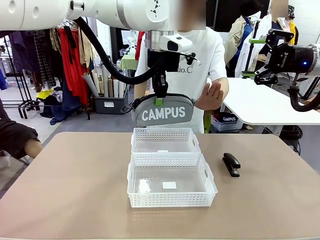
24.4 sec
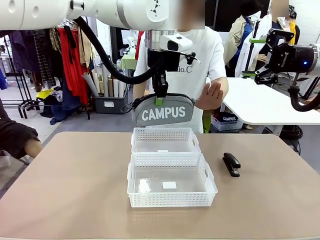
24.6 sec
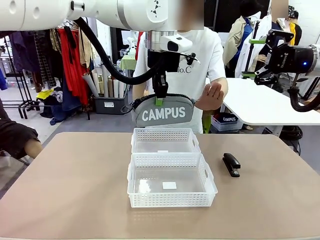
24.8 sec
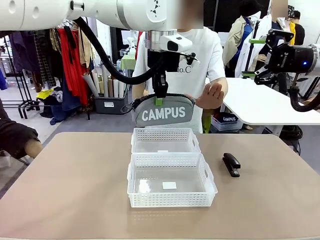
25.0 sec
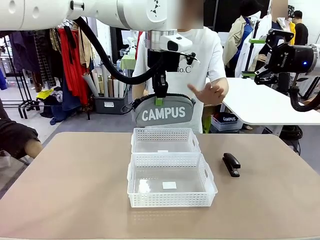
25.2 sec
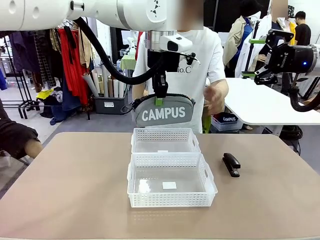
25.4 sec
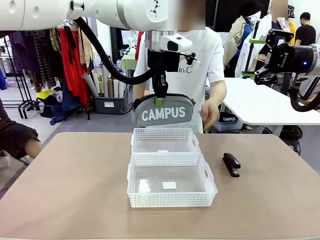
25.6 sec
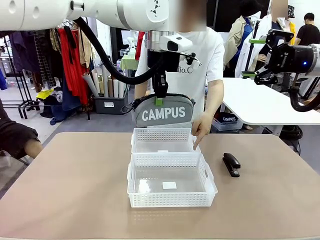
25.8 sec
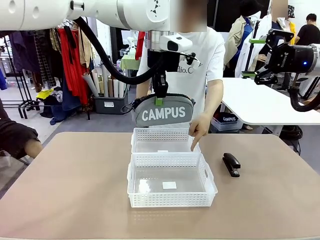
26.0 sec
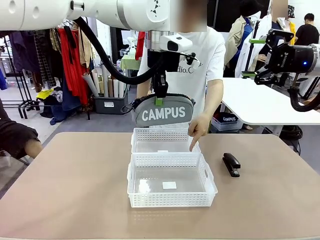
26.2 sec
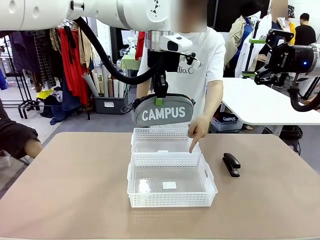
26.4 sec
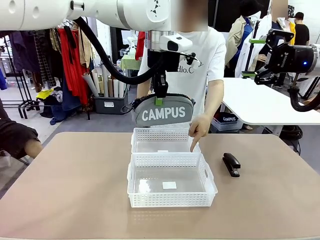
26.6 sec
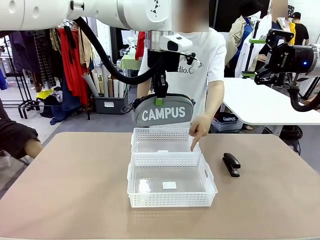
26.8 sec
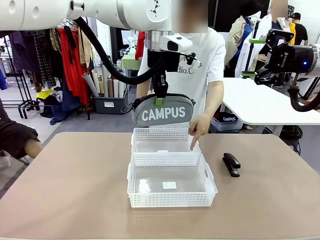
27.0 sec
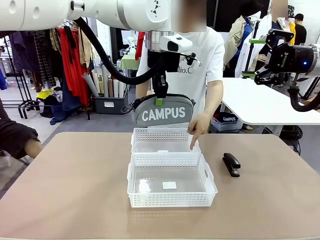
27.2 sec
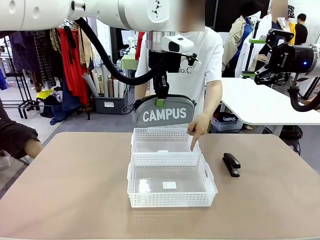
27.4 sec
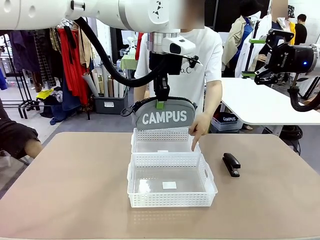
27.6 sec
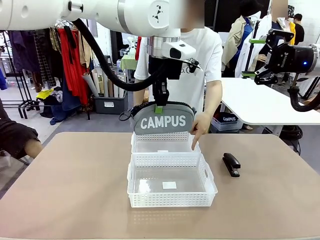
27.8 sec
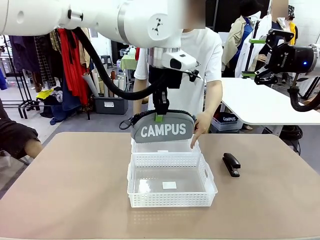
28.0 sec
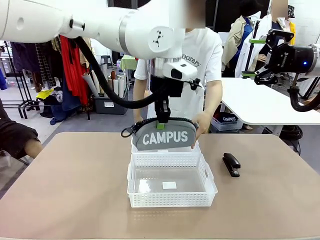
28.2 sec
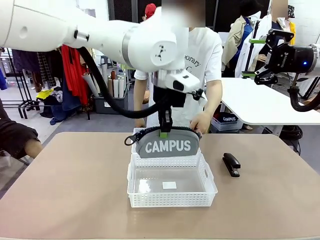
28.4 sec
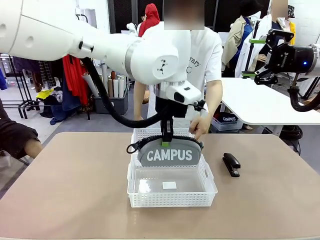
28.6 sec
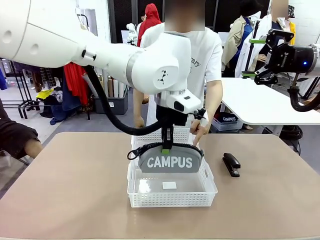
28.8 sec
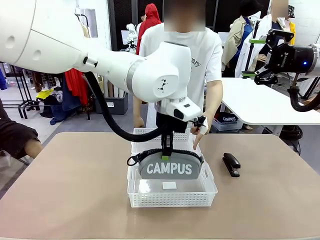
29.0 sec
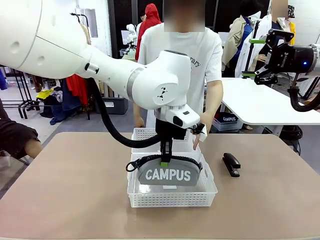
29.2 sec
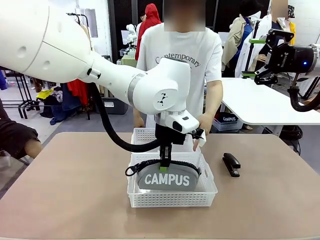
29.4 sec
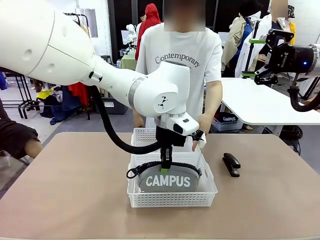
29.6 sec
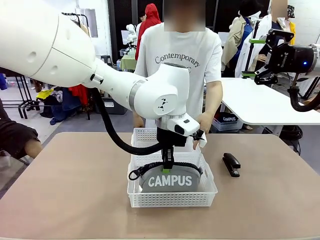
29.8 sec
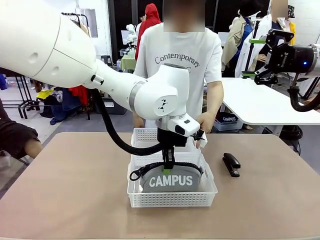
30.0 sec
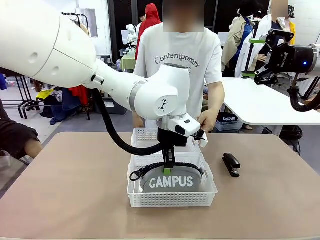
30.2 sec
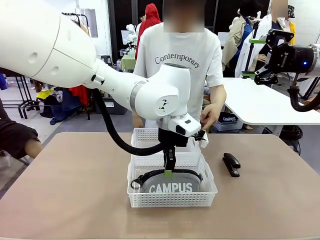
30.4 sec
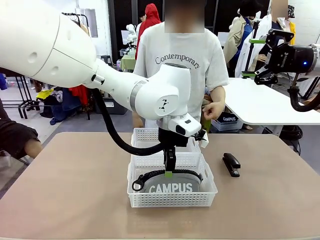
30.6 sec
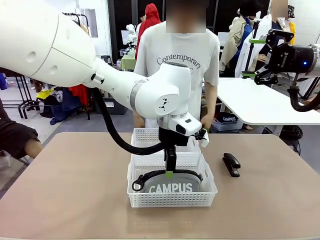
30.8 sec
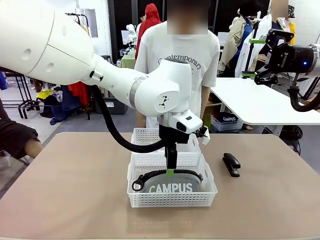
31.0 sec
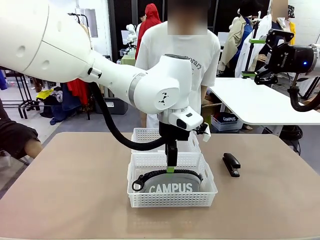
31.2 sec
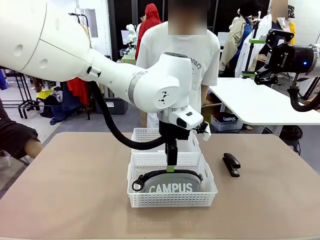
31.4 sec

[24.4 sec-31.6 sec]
Task: Distribute items into two baskets.
Robot: Place the picked Pencil pouch into the Organizing basket as instructed by the person.
Person: Instructs the robot to place the pencil case into the opposite basket.

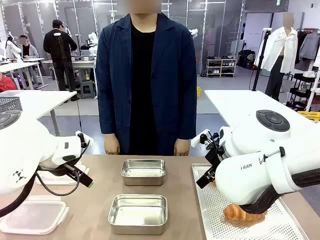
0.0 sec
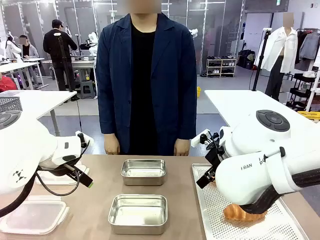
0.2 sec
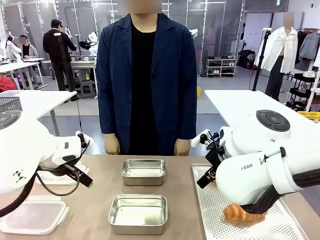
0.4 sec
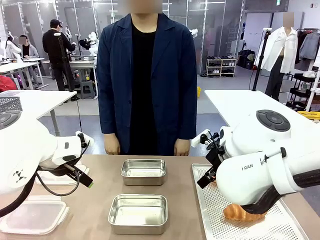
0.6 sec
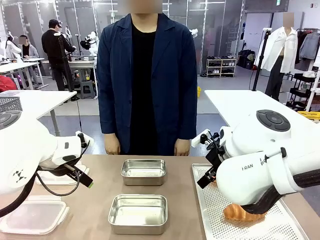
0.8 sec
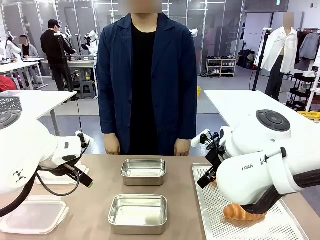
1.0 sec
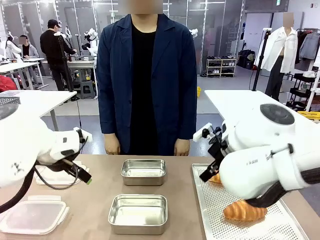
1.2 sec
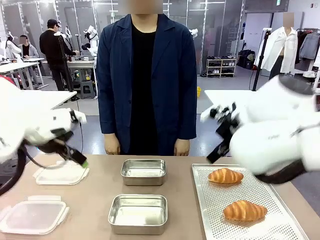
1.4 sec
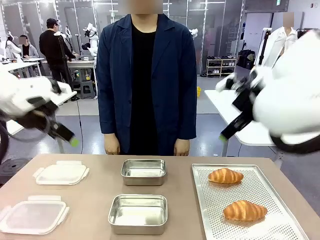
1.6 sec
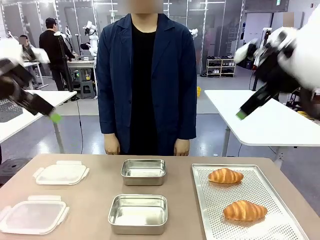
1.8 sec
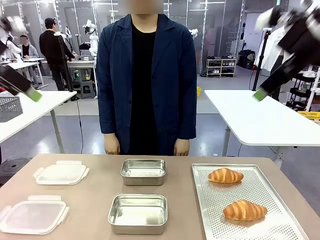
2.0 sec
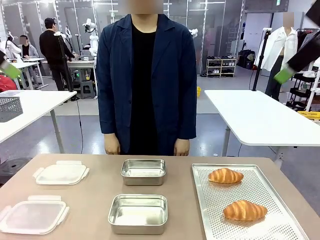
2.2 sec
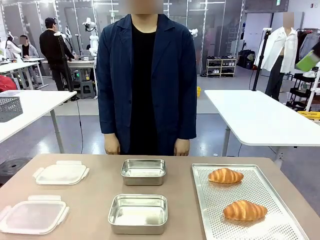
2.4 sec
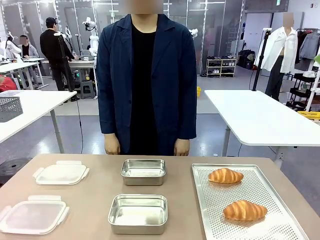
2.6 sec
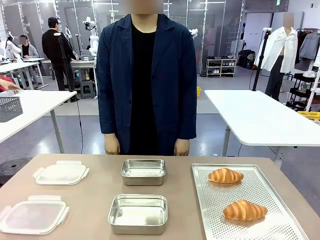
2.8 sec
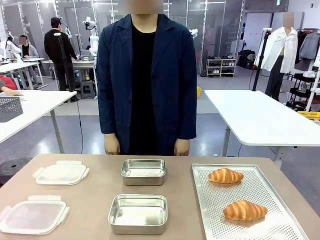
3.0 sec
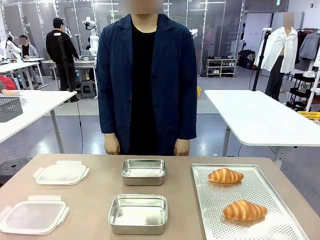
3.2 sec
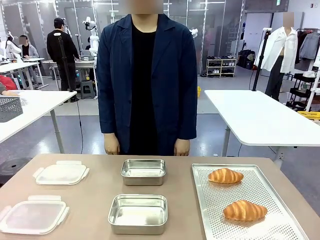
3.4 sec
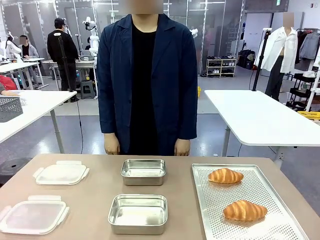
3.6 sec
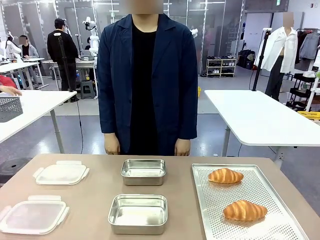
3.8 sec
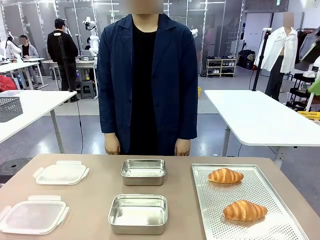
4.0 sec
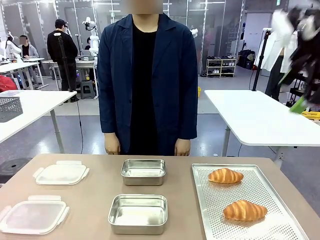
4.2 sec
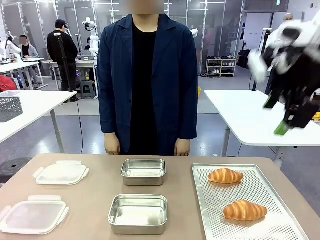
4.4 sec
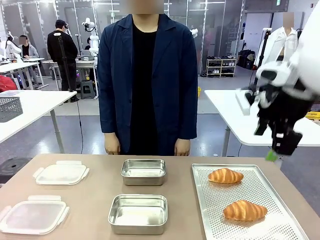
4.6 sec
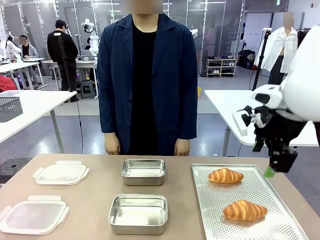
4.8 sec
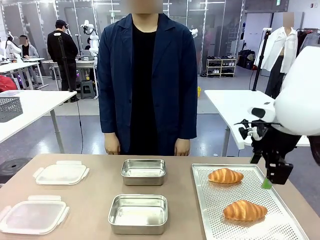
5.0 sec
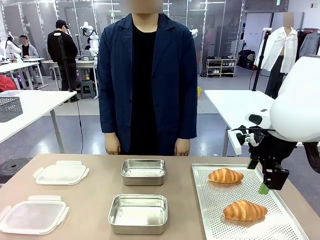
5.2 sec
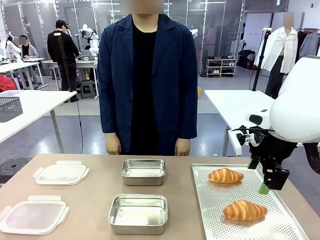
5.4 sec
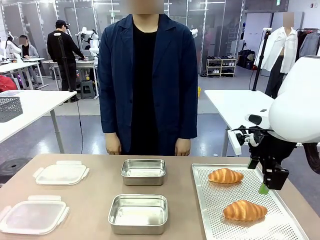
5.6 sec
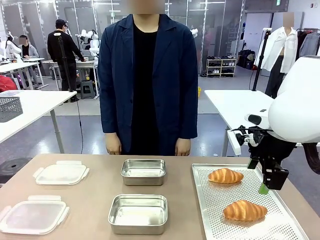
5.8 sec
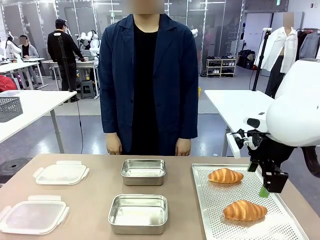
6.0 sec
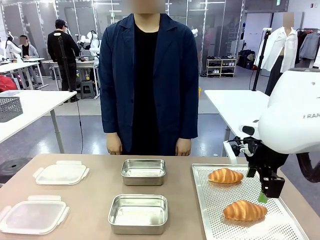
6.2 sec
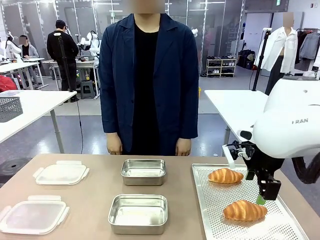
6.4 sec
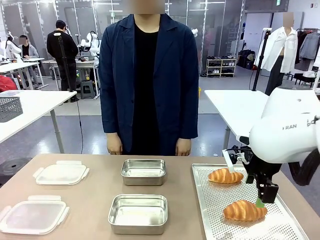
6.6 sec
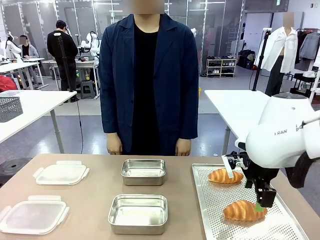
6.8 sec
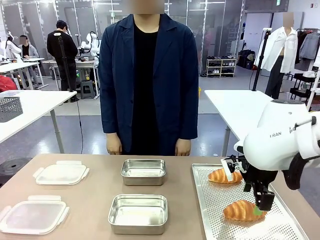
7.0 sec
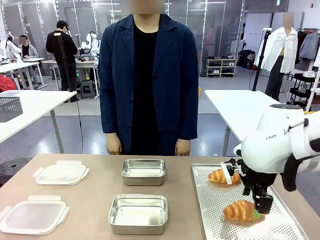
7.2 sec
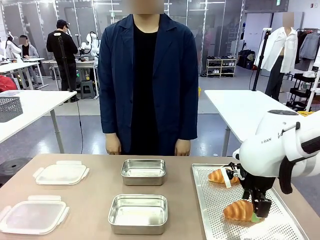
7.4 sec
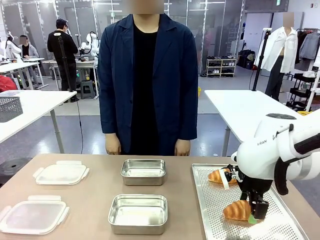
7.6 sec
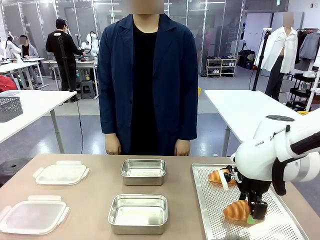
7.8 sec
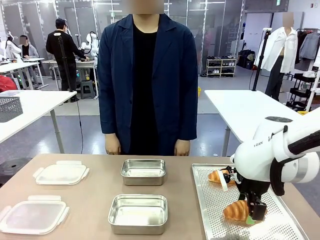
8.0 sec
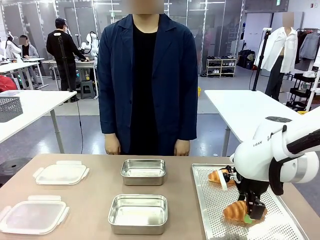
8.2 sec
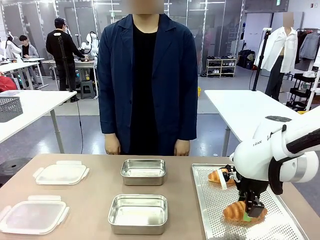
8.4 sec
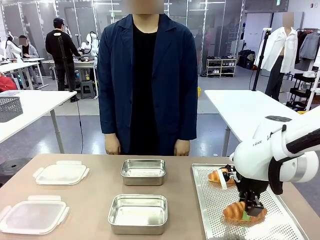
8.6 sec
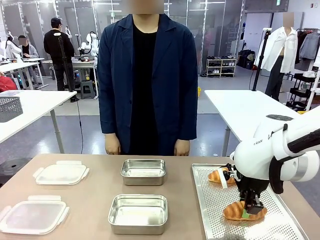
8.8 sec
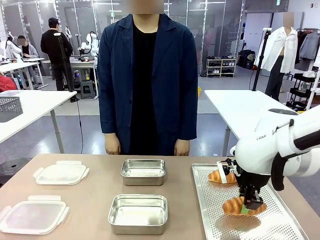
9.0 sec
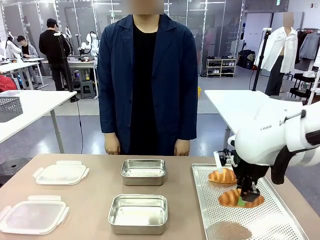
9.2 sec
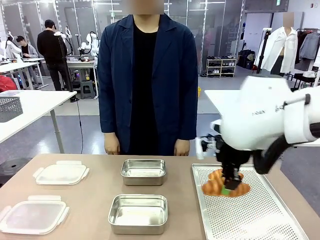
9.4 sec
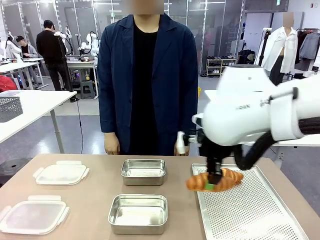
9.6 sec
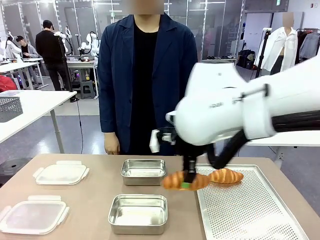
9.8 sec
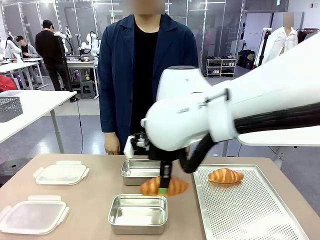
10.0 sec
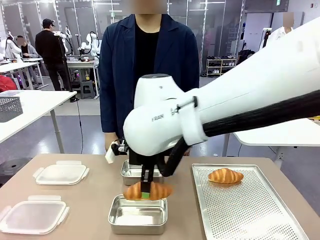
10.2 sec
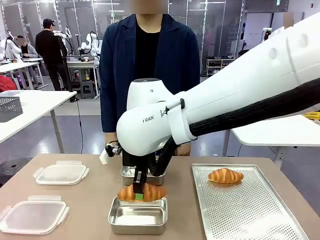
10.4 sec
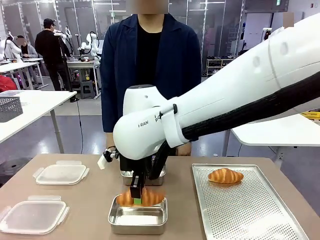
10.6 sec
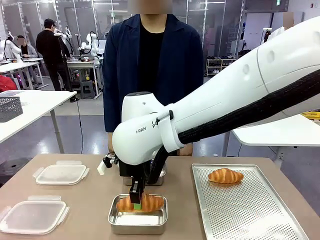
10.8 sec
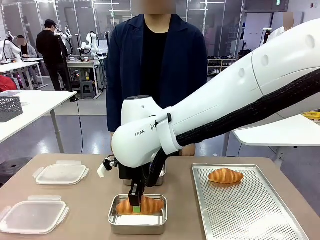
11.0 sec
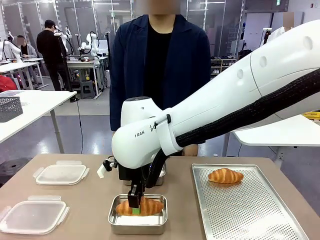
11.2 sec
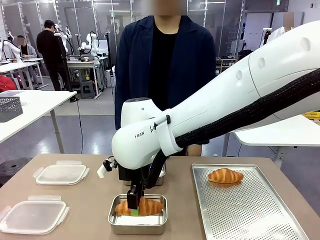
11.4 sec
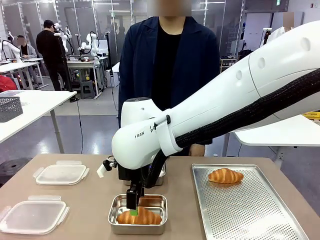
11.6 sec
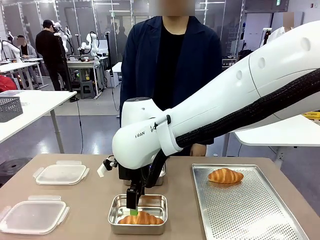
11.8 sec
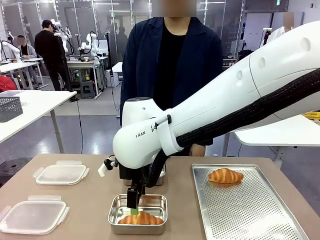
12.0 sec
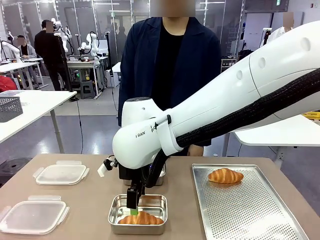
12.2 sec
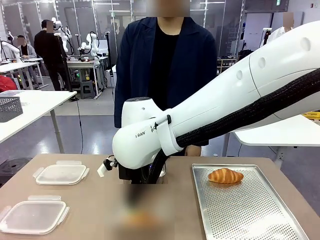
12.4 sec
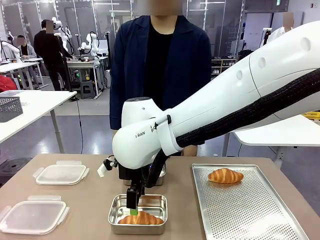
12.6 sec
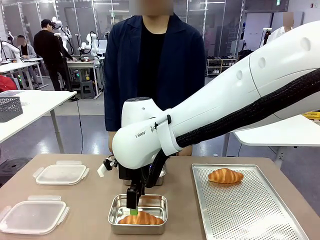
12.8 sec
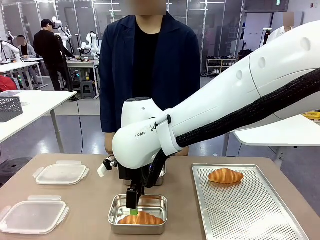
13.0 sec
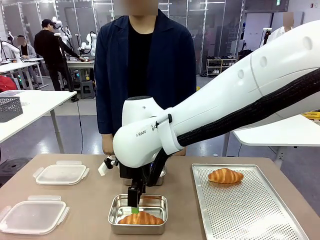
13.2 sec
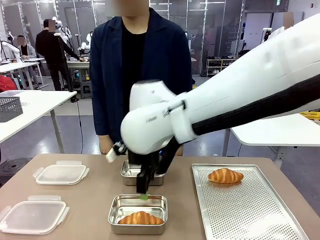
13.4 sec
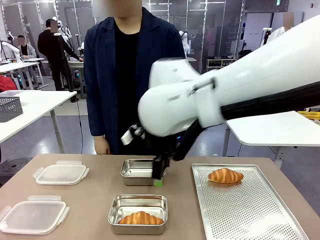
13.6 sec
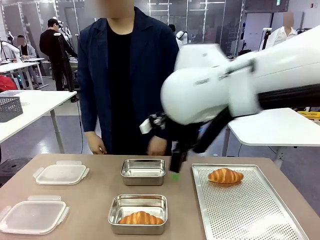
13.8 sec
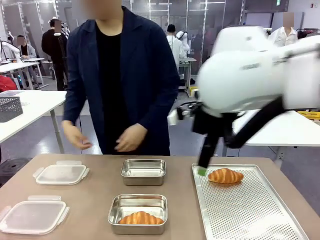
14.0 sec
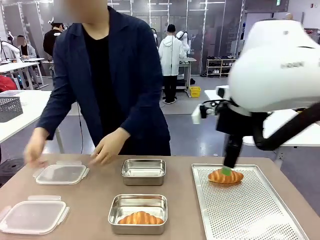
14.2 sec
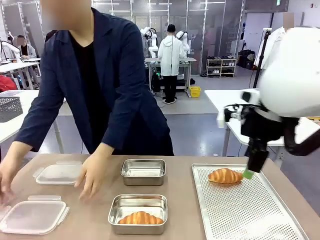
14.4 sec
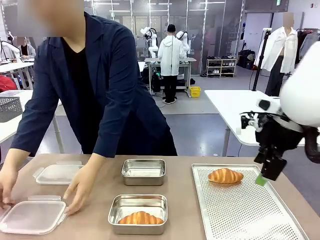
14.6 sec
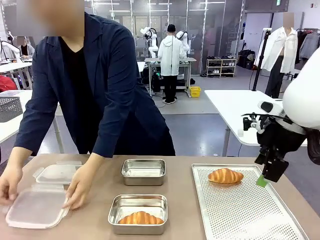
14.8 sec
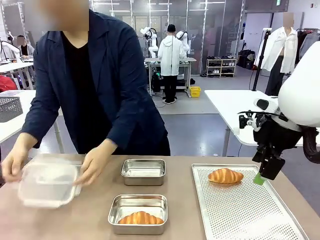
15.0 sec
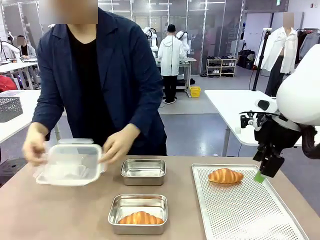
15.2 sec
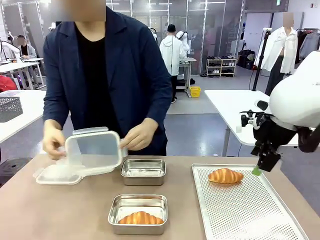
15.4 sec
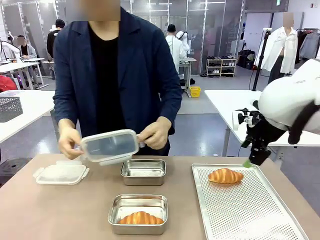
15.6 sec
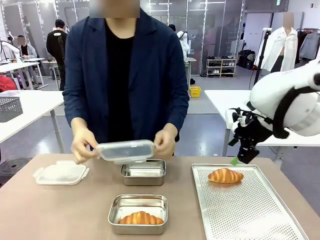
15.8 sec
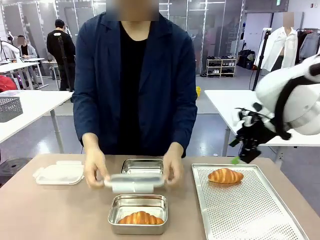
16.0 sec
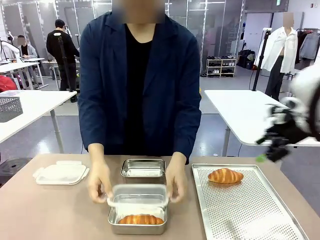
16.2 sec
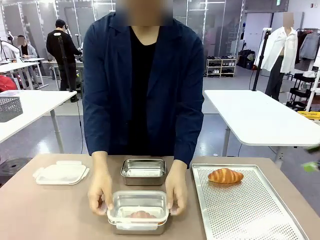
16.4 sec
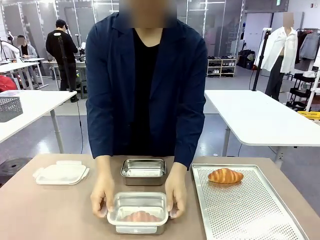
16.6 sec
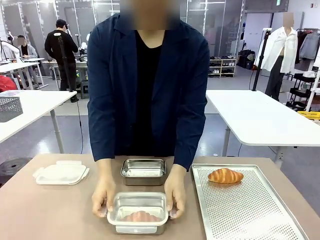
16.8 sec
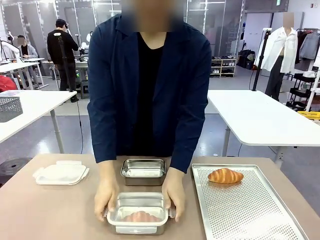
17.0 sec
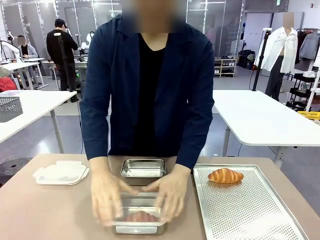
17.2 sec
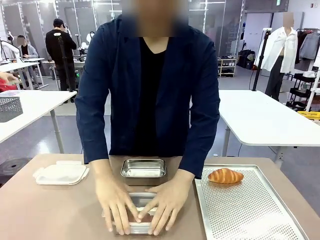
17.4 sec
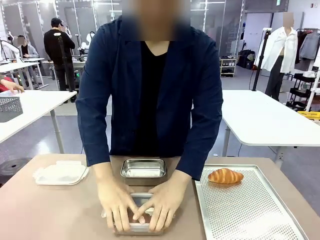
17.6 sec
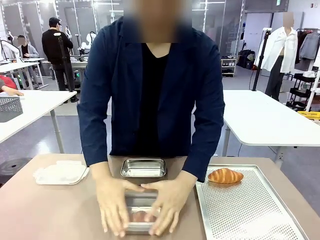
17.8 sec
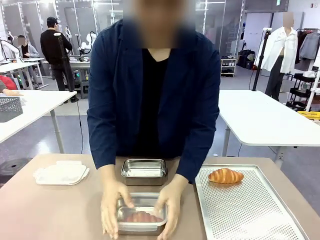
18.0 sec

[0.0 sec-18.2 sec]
Task: Place the bread into the airtight container.
Robot: Pick up a Butter Roll and place it into an empty Airtight Container.
